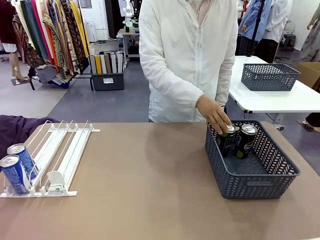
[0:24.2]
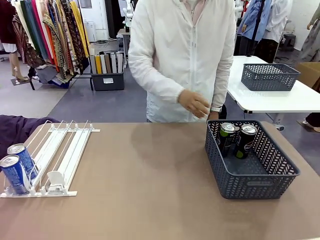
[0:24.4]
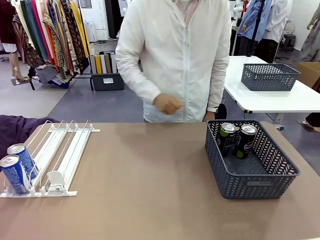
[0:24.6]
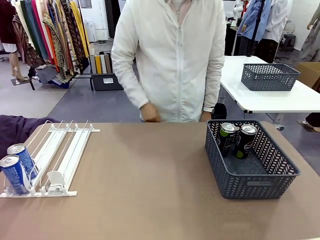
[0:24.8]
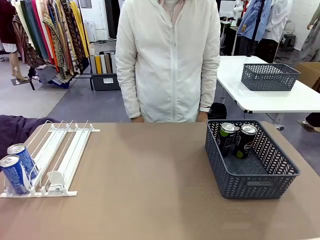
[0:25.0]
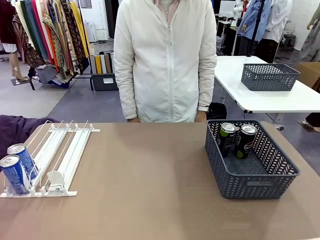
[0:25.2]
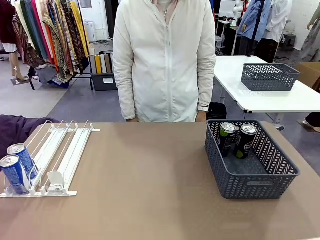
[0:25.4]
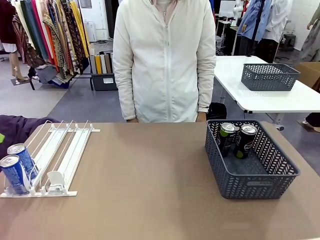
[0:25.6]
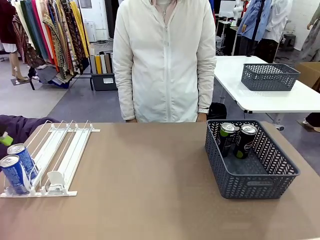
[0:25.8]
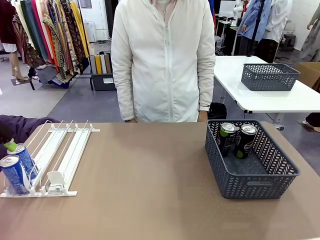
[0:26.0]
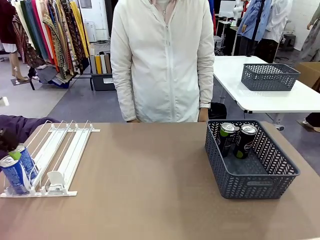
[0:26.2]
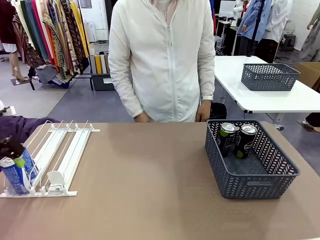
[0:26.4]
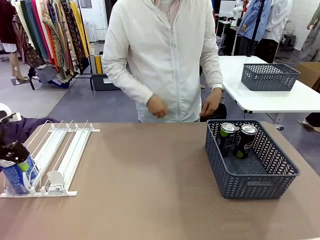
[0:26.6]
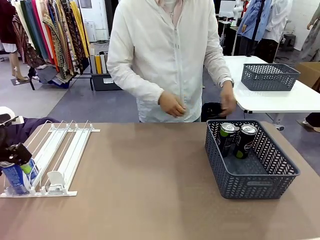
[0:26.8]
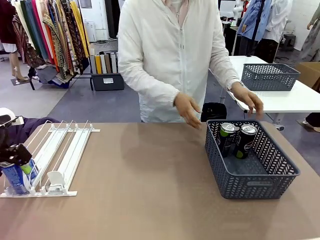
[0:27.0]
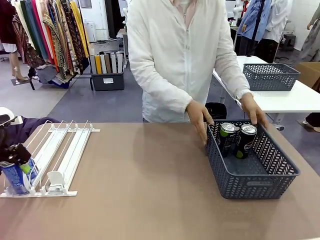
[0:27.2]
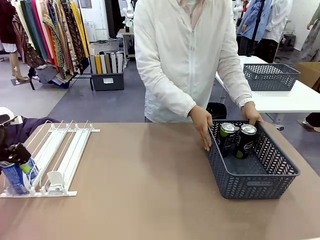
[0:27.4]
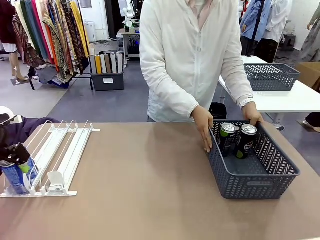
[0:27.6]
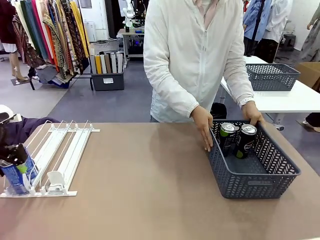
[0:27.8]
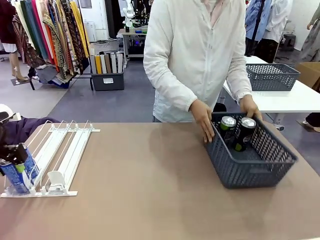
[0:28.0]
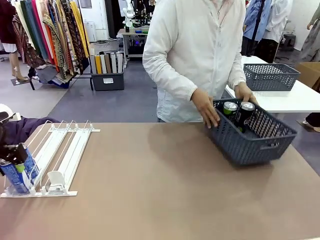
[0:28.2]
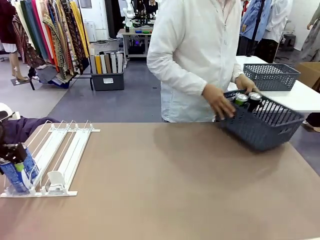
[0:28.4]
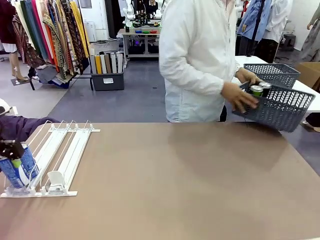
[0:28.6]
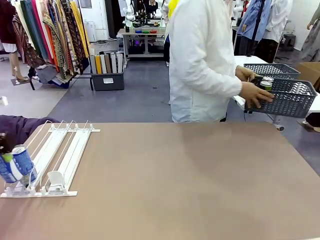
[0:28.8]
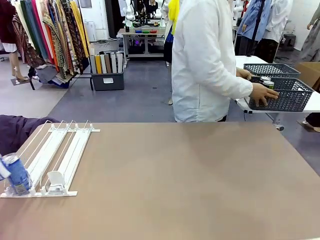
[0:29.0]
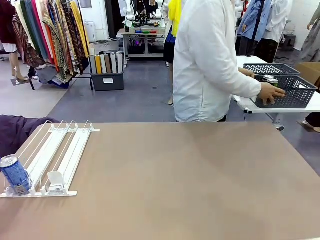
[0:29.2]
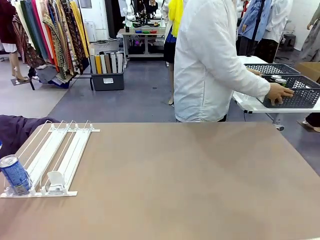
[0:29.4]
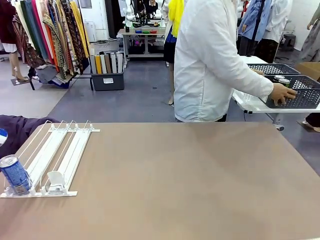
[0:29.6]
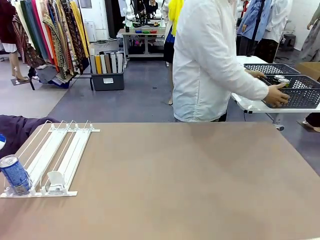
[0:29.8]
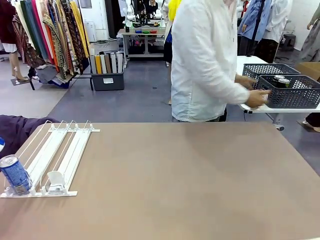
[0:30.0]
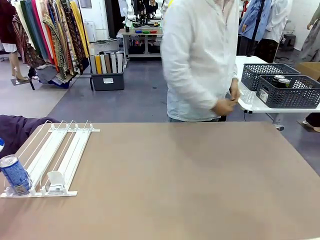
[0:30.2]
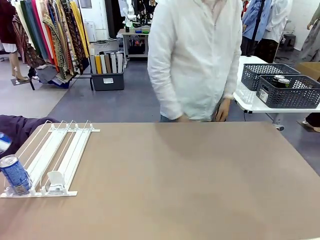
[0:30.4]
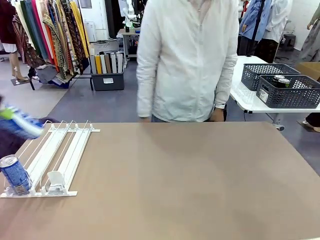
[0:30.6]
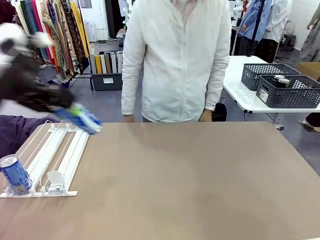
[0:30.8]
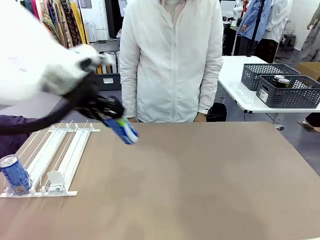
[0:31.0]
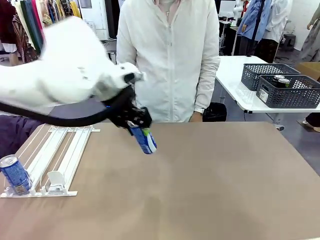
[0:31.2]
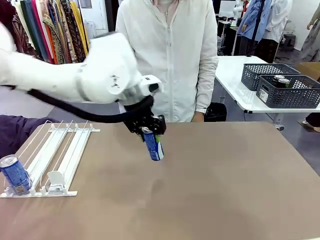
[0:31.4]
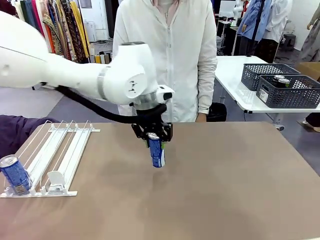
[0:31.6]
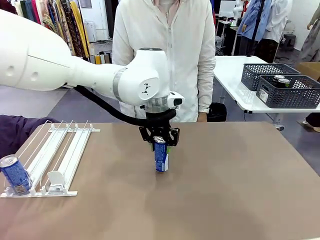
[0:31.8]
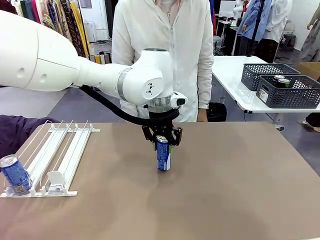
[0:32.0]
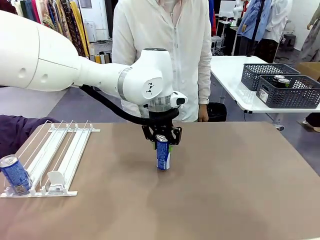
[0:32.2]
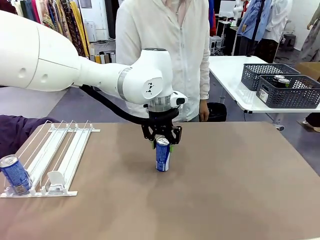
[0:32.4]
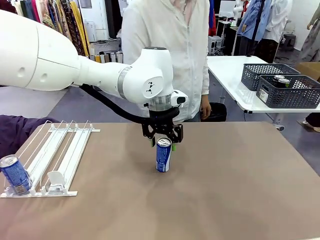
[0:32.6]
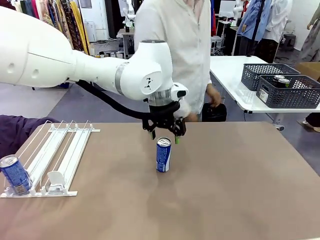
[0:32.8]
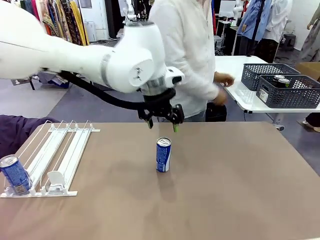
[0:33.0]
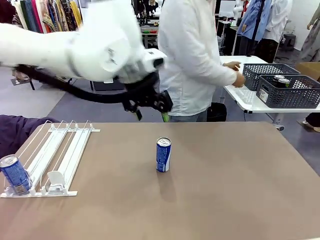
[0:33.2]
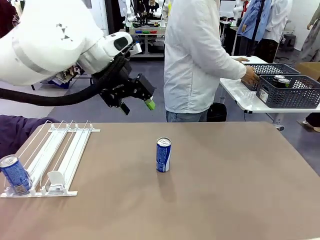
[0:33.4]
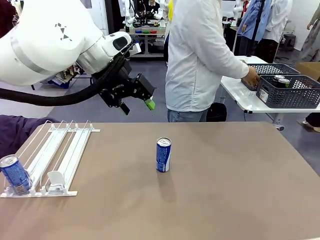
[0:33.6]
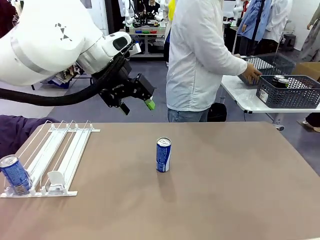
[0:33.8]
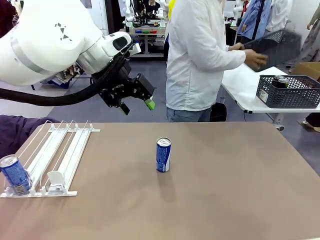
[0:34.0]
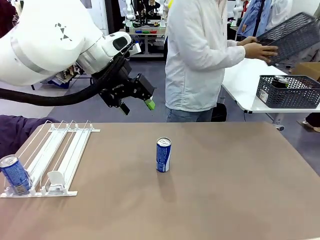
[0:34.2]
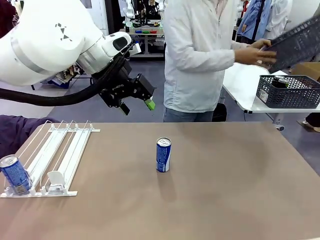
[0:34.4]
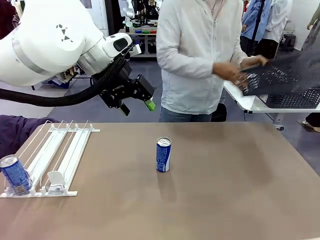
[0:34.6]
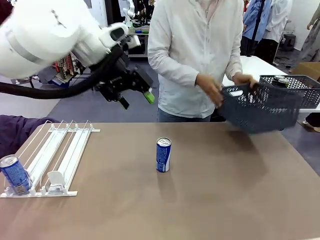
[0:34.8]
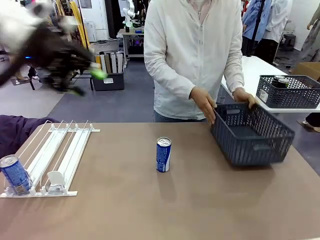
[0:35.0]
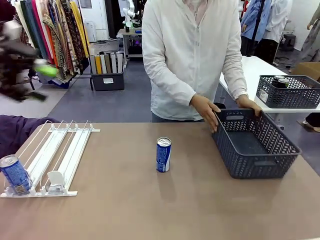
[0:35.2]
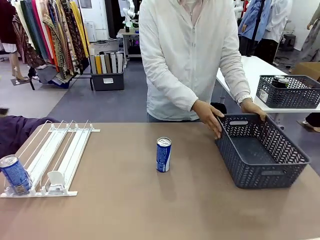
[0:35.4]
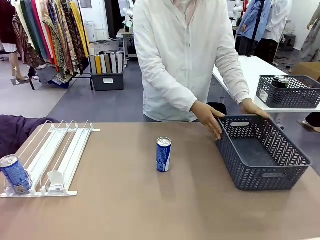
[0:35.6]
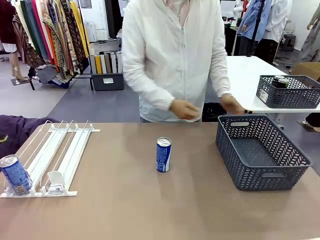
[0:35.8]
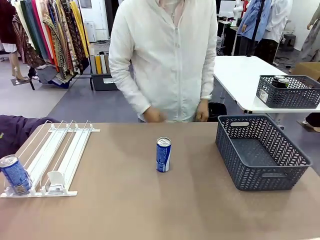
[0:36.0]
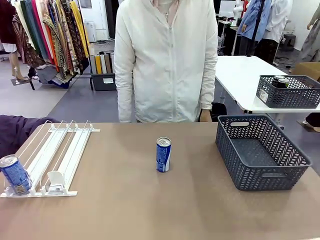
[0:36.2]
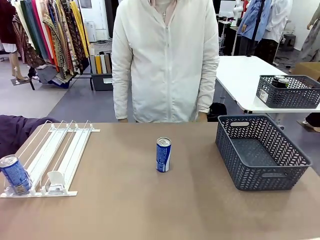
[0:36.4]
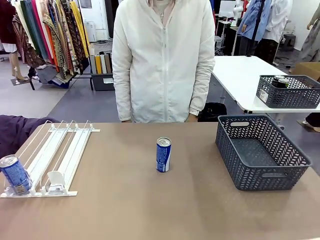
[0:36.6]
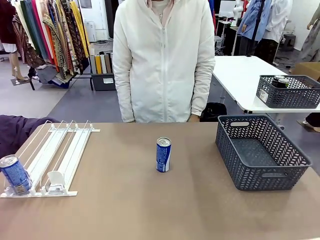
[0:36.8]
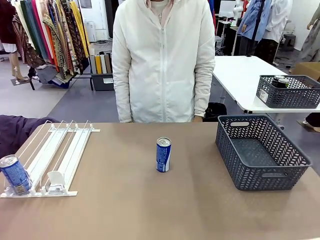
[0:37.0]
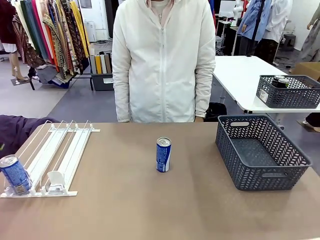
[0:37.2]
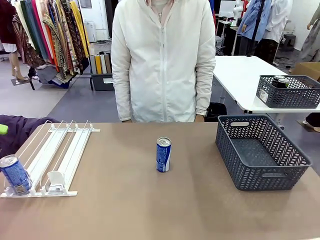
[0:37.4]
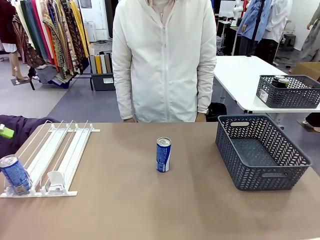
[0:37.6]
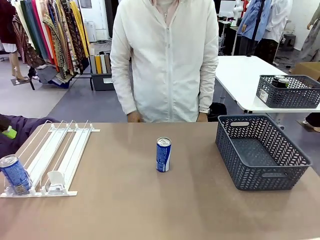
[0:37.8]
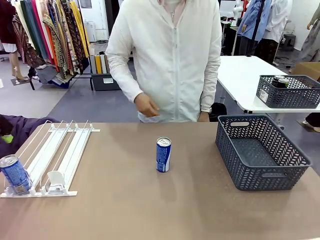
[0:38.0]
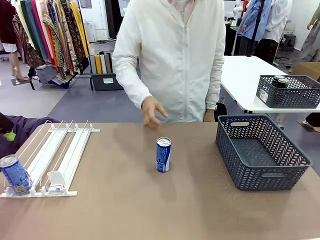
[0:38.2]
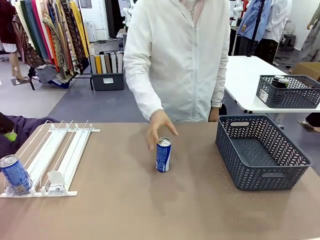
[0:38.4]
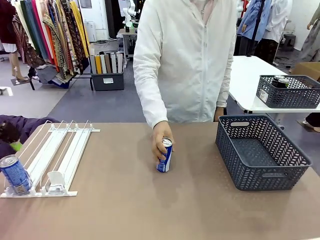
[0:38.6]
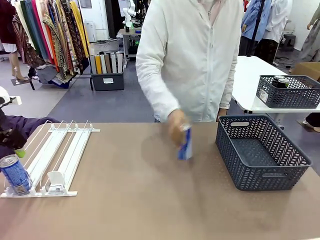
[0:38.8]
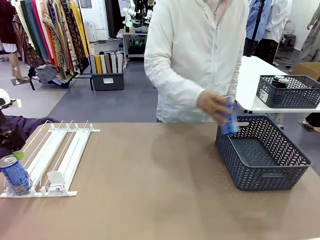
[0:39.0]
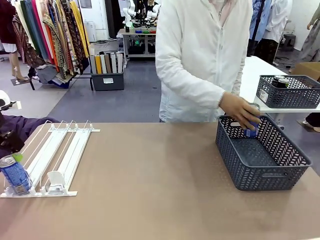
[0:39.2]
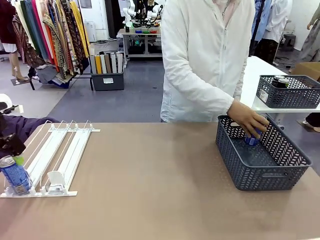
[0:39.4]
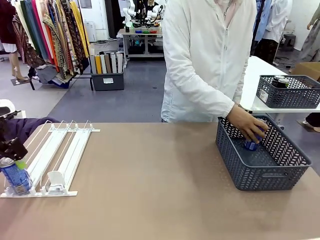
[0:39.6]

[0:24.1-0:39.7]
Task: Retrieve and store the cans from the dispenser.
Robot: Pick up one can from the Automatic Can Dispenser and place it in the middle of the table.
Person: Pick up the basket and place it in the middle of the human table. Pick up the empty basket and place it on the left side of the robot table.
